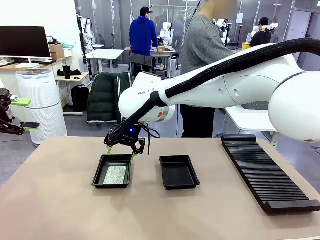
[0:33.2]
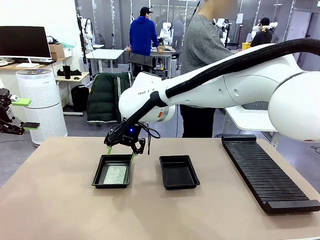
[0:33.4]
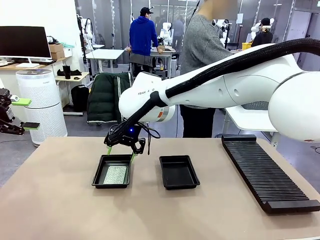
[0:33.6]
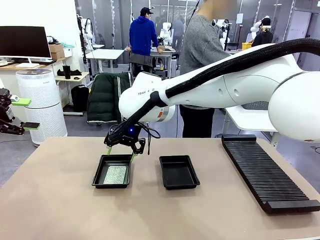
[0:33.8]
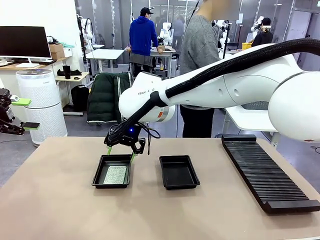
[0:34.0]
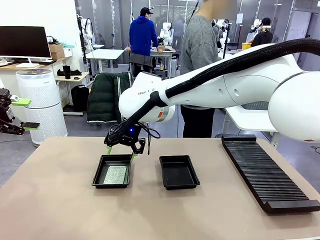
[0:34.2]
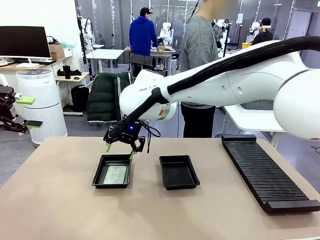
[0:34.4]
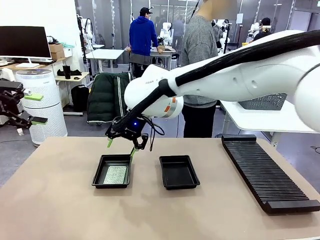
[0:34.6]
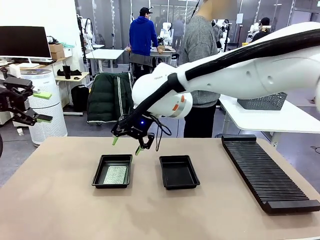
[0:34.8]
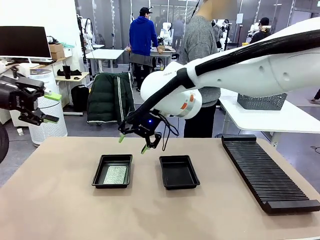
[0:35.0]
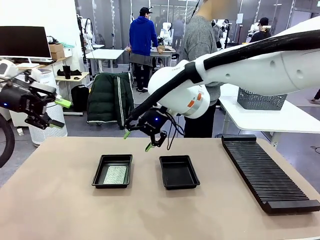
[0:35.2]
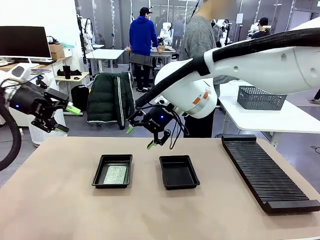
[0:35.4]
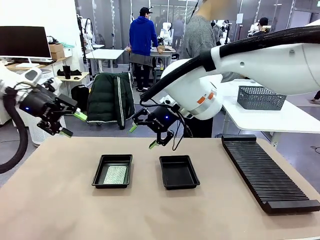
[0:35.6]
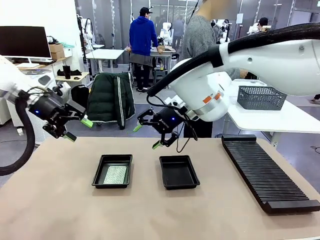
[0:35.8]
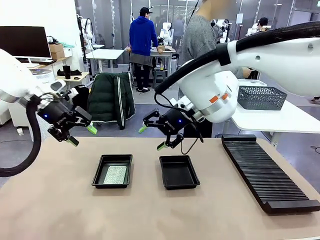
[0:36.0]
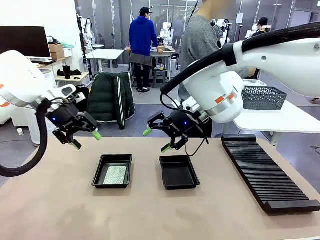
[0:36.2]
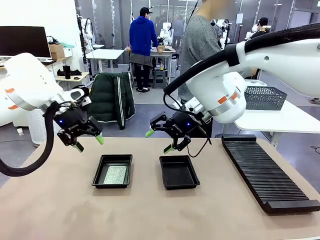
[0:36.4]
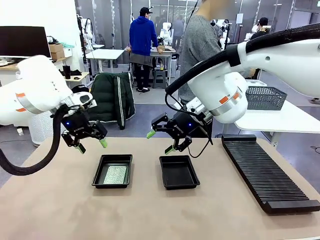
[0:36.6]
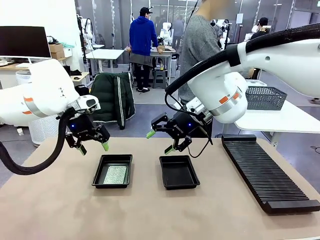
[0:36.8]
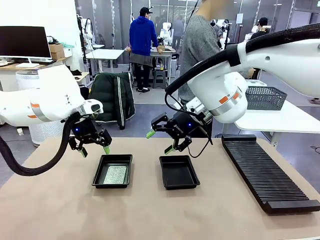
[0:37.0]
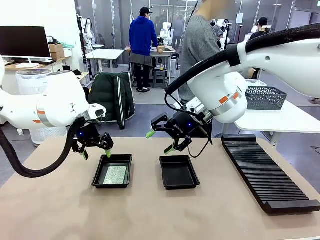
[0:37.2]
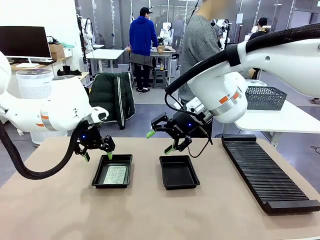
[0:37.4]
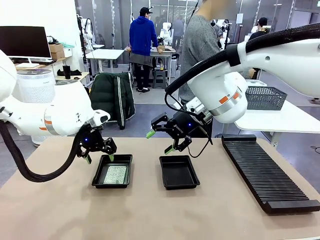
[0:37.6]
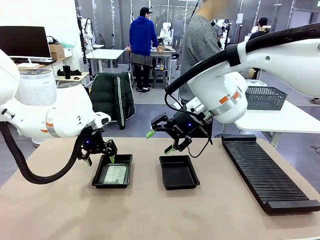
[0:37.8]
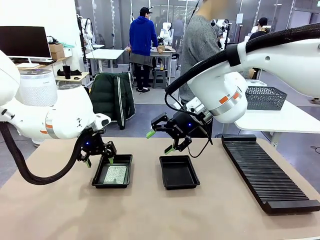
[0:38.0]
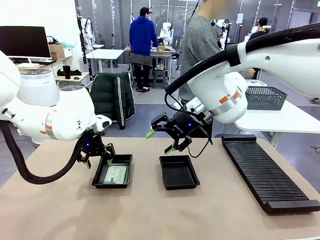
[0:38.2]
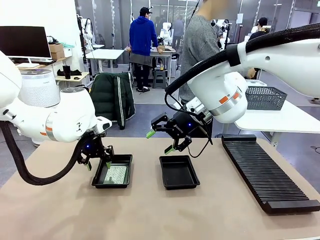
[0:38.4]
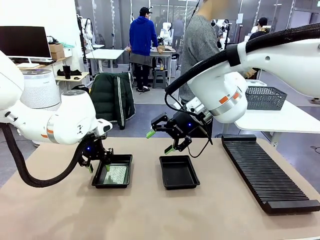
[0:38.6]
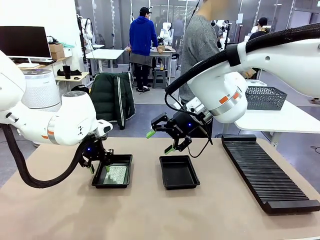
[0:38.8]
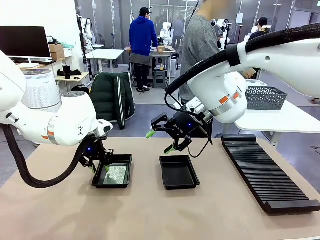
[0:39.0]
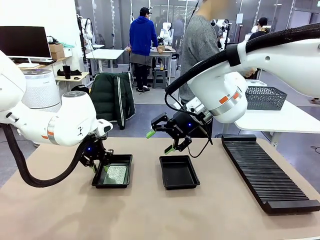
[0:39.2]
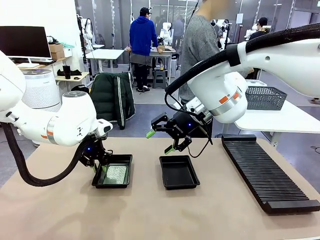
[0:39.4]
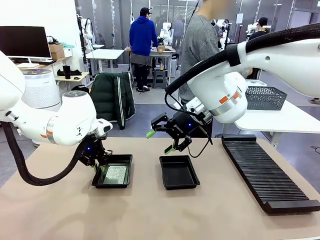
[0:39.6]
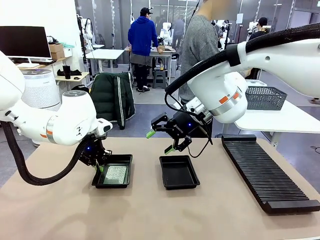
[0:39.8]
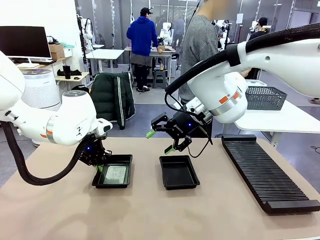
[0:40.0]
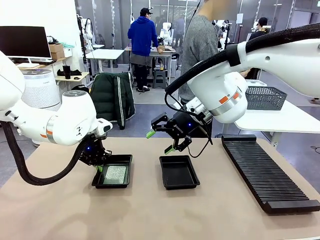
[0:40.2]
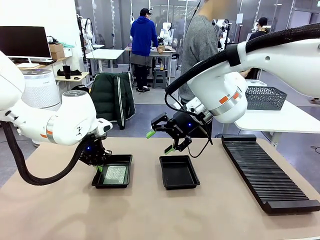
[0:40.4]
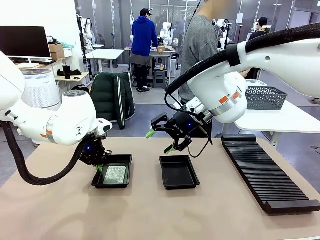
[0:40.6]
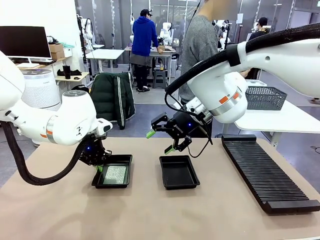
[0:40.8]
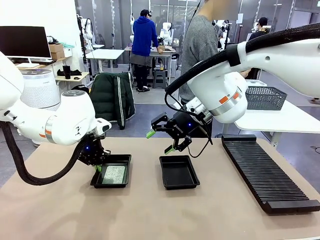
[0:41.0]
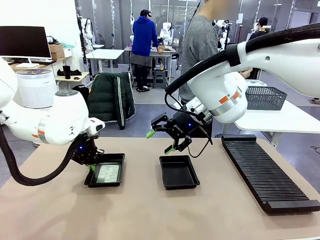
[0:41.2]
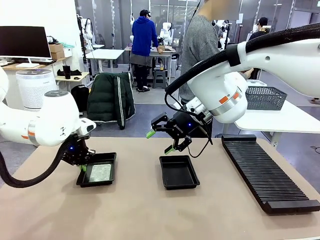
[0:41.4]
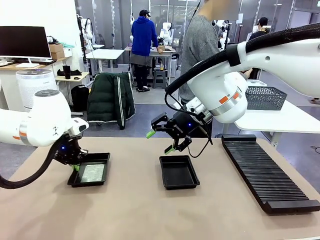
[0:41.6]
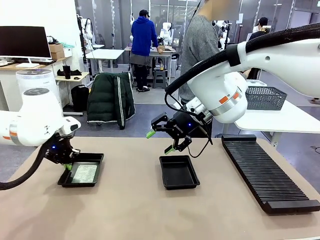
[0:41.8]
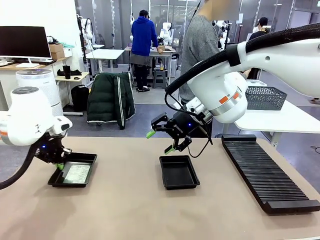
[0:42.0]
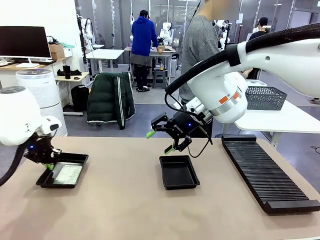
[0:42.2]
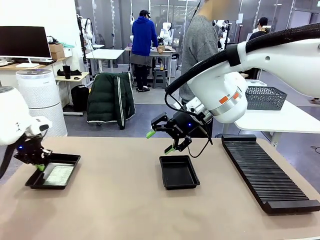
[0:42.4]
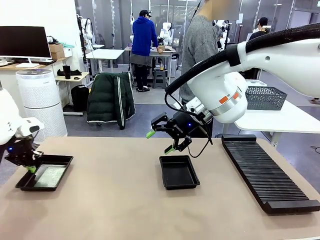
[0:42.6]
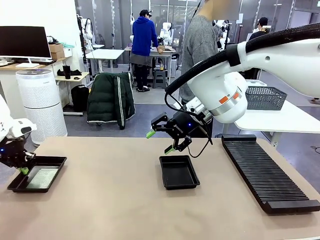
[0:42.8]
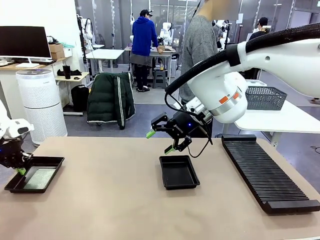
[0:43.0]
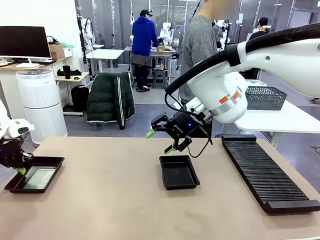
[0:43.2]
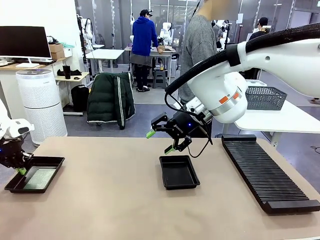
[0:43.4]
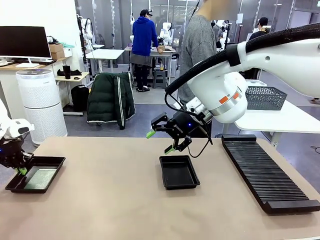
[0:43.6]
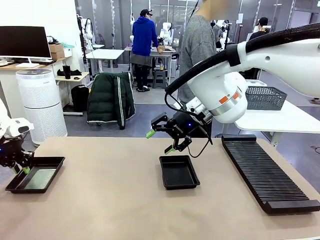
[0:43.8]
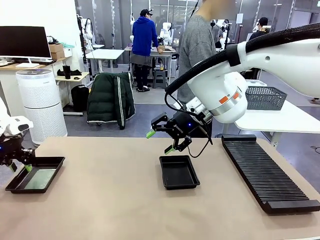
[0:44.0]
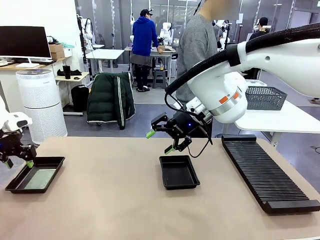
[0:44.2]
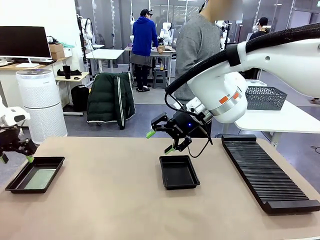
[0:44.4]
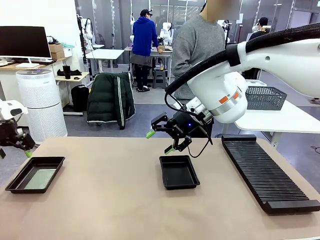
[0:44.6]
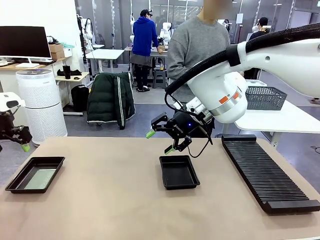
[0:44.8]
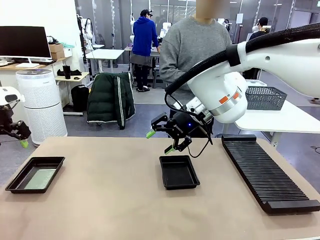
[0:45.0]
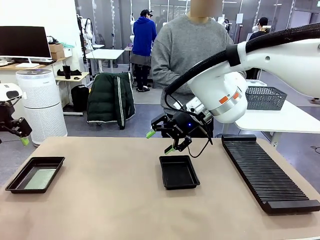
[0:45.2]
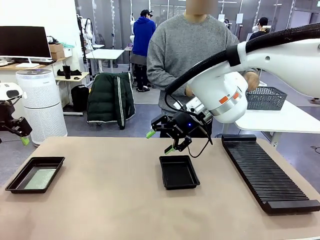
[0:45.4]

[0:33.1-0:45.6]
Task: Inspect and transfer BCBs to ESD trays.
Robot: Pick up the ESD tray and place it on the left side of the table.
